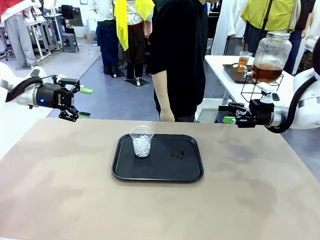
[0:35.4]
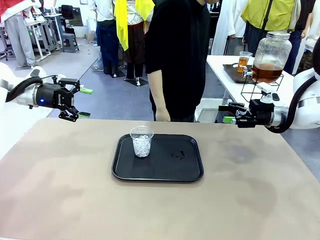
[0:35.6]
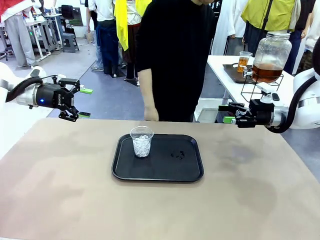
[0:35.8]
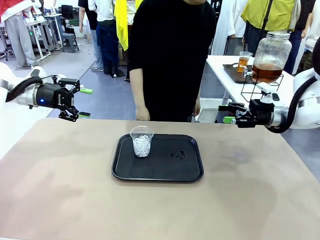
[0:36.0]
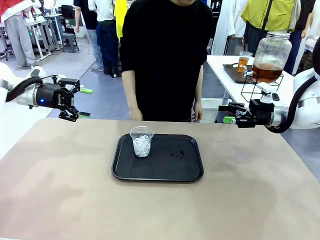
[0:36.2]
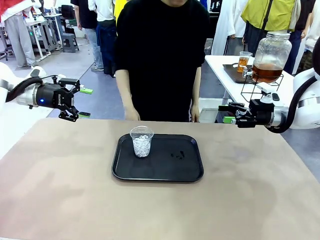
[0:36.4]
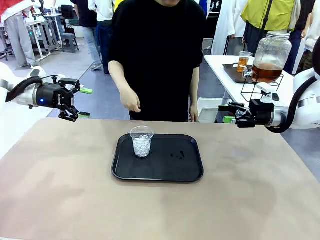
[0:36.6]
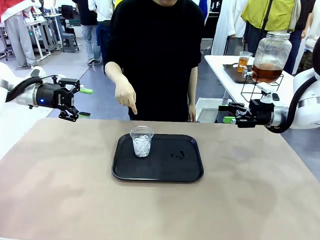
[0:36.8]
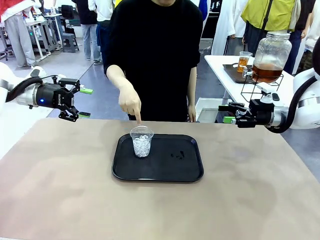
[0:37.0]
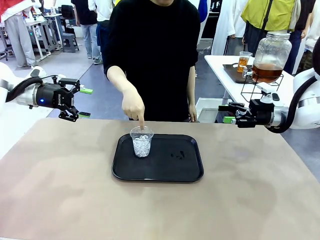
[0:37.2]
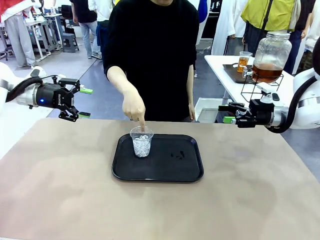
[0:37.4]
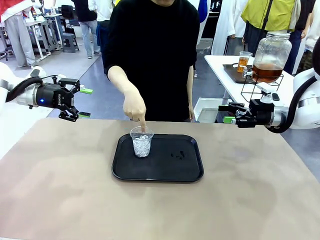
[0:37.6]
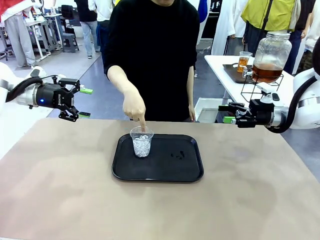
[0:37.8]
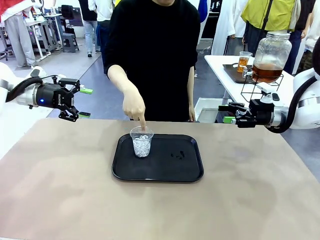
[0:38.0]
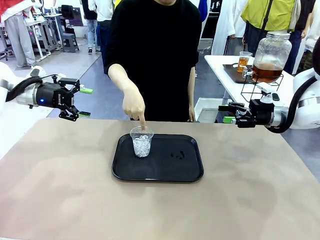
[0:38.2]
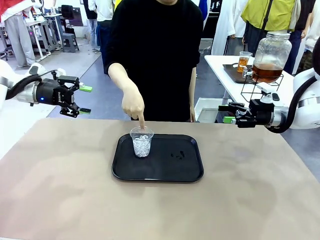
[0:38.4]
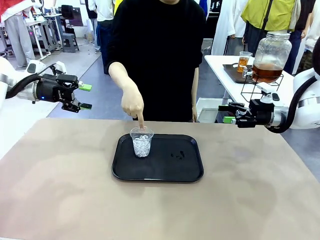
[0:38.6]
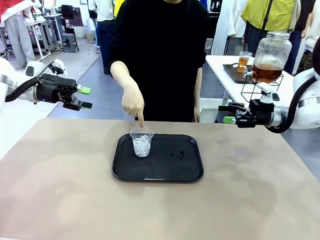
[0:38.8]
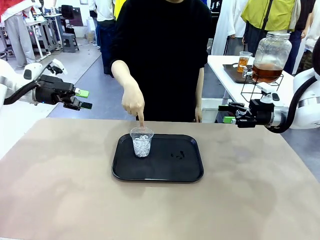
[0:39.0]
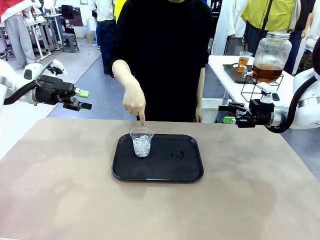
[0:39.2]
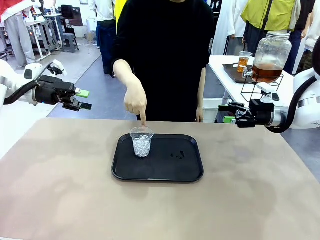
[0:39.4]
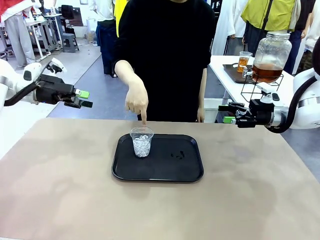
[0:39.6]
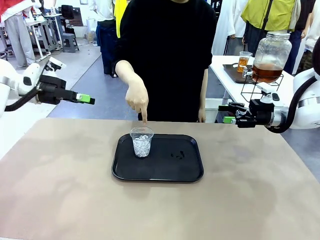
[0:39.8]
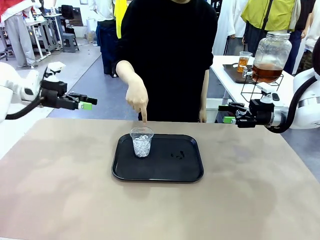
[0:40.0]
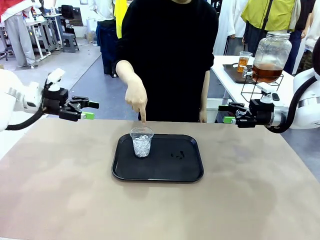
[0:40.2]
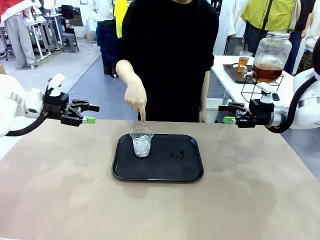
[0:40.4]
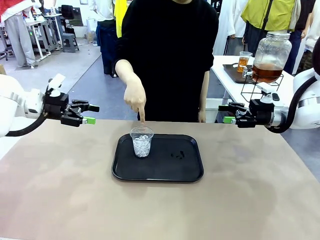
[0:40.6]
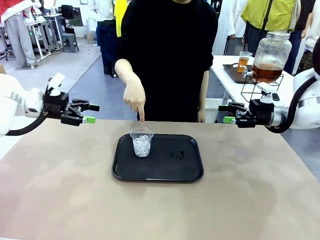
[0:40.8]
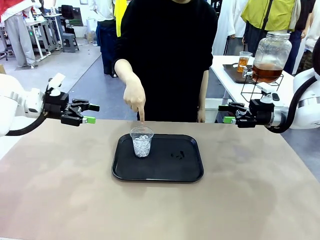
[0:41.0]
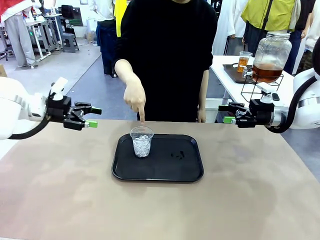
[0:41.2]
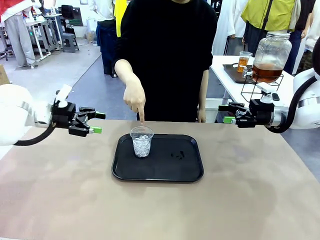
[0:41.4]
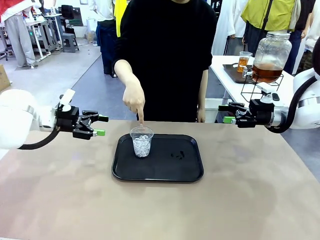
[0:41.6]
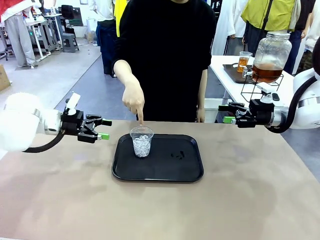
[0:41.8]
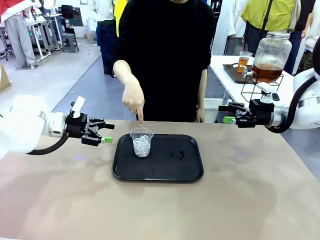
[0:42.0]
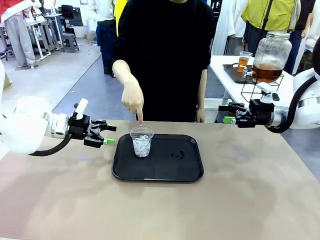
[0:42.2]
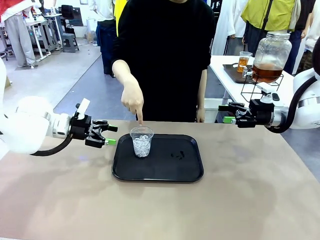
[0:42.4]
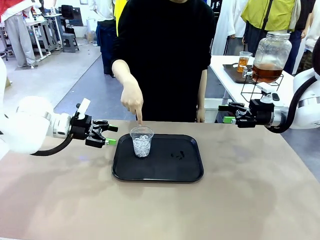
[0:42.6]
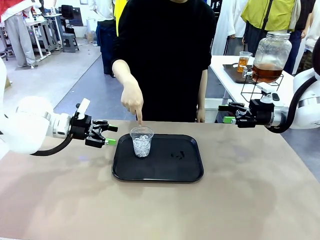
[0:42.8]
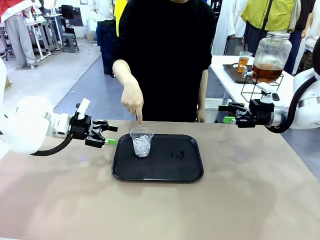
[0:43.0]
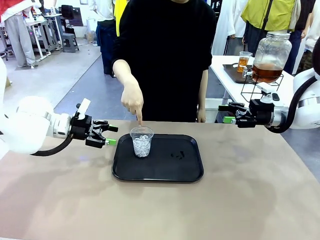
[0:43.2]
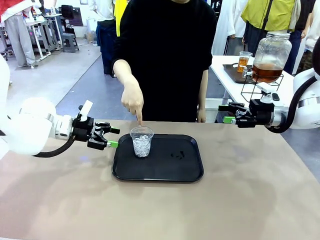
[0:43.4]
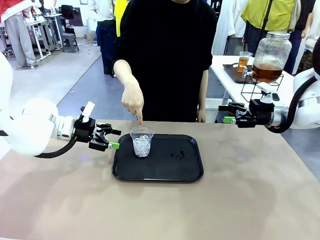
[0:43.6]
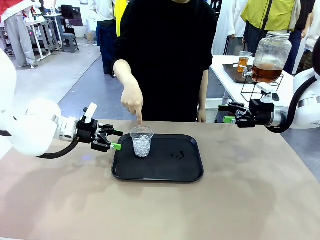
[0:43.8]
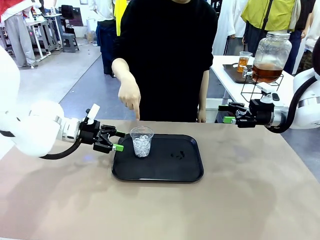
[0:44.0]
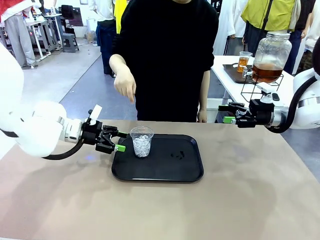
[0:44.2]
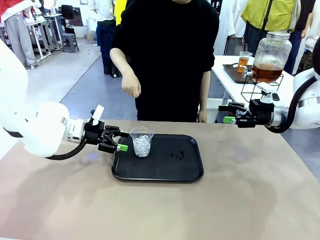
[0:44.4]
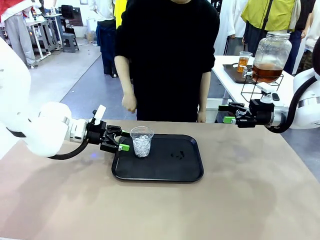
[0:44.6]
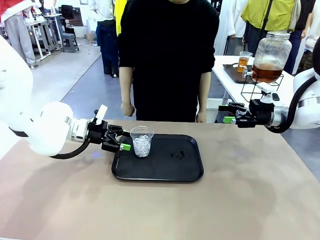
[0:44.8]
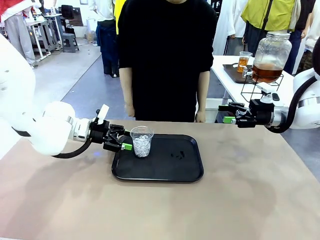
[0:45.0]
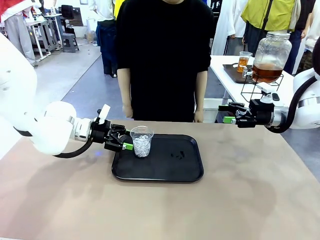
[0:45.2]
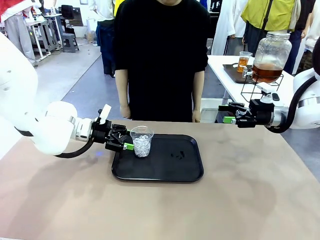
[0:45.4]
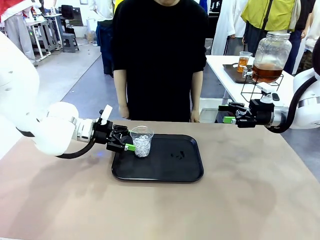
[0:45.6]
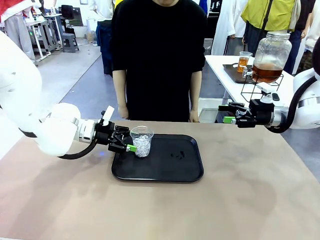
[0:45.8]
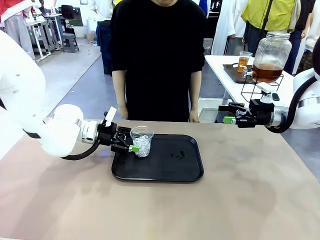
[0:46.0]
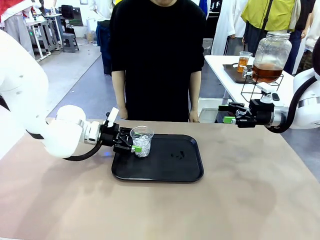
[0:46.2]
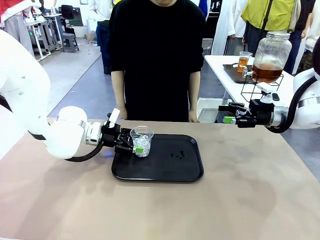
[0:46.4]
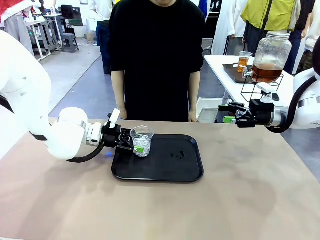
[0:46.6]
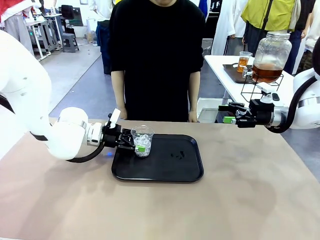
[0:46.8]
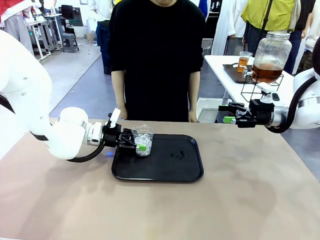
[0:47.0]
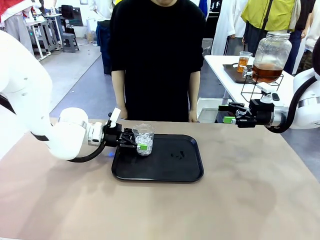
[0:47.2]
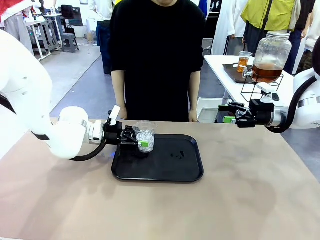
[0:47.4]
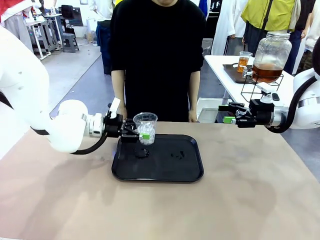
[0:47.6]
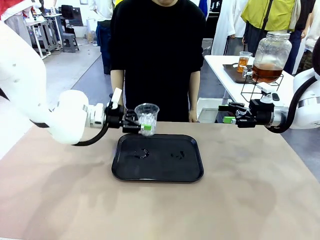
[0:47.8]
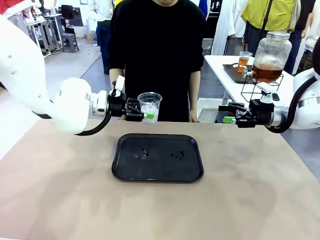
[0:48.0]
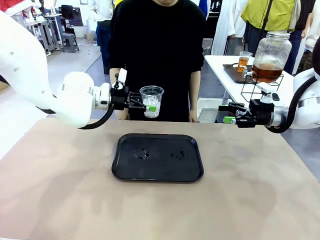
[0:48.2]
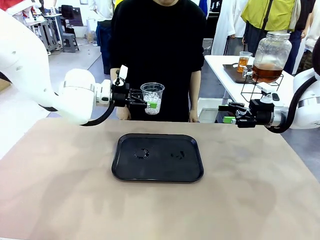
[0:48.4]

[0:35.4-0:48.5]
Task: Pour the drink into the iced cup.
Robot: Pick up the iced cup indicated by the human and present it to them.
Person: Point to the remaining ice cup on the robot table. Pick up the cup offered by the robot.

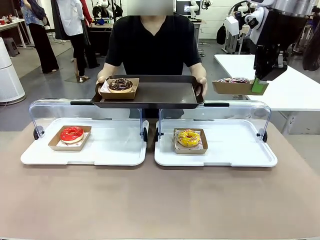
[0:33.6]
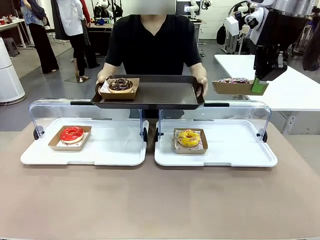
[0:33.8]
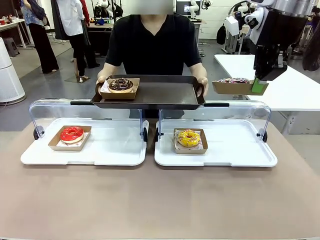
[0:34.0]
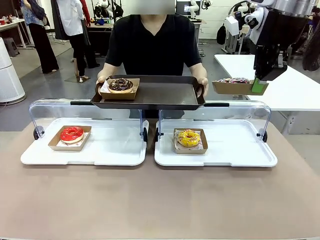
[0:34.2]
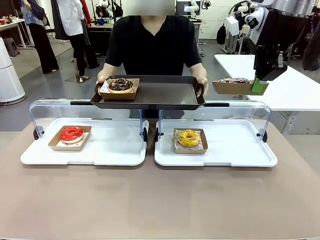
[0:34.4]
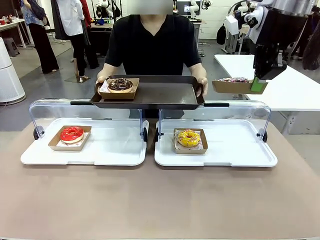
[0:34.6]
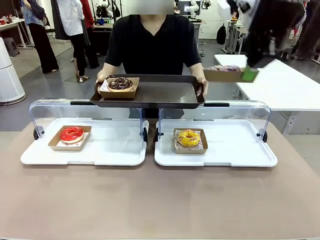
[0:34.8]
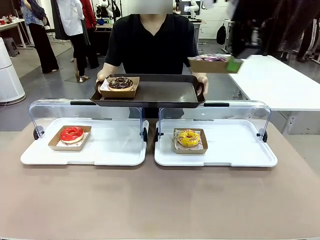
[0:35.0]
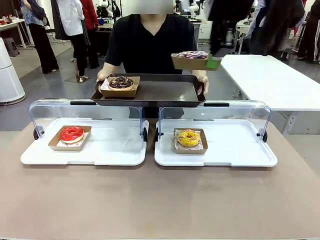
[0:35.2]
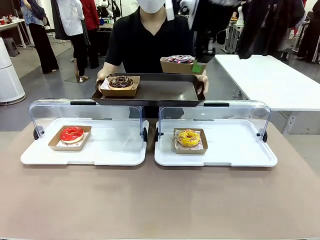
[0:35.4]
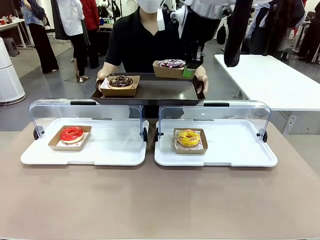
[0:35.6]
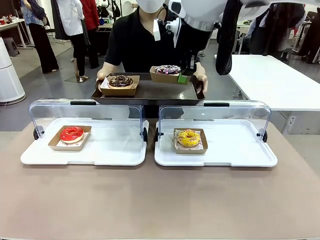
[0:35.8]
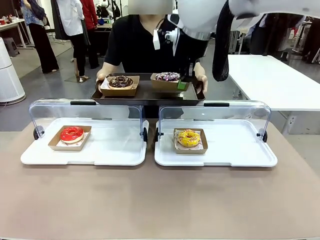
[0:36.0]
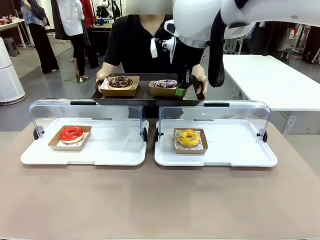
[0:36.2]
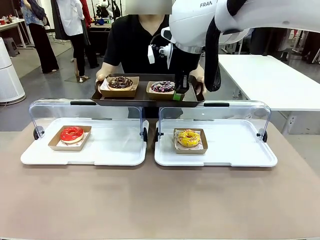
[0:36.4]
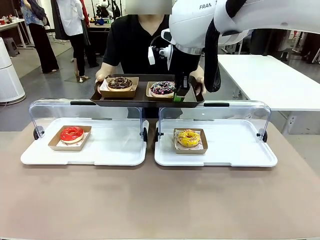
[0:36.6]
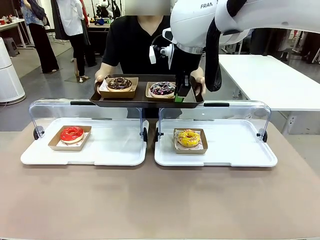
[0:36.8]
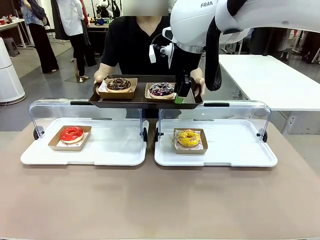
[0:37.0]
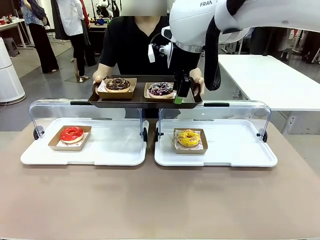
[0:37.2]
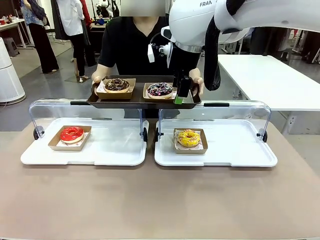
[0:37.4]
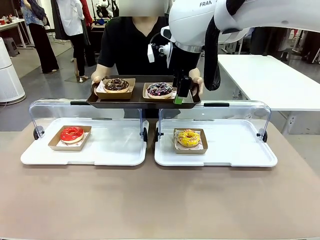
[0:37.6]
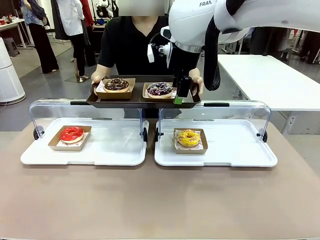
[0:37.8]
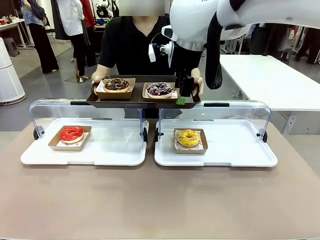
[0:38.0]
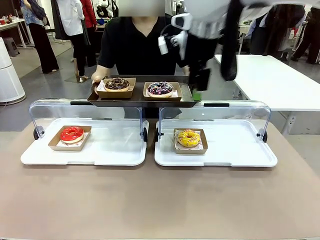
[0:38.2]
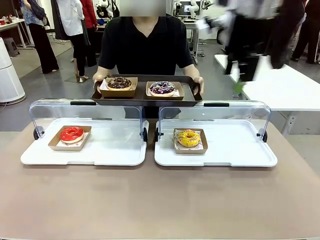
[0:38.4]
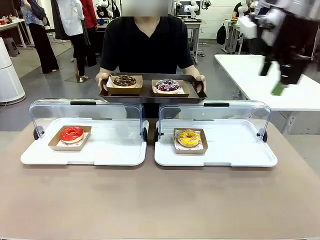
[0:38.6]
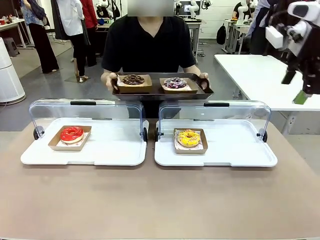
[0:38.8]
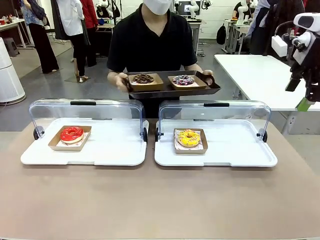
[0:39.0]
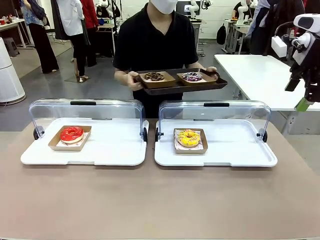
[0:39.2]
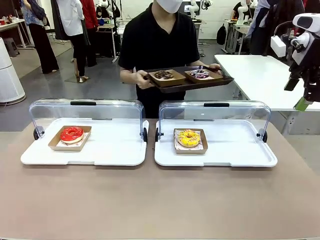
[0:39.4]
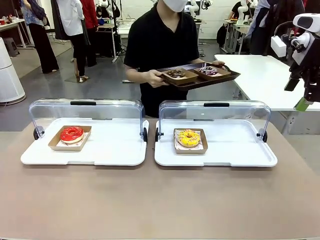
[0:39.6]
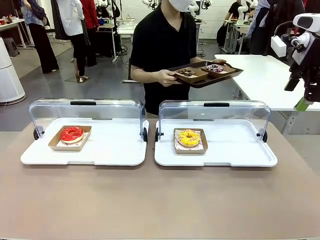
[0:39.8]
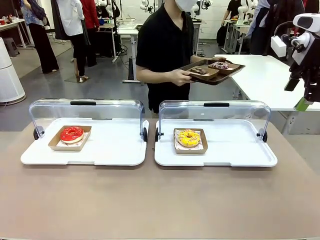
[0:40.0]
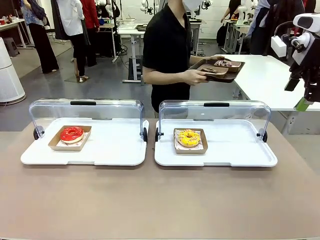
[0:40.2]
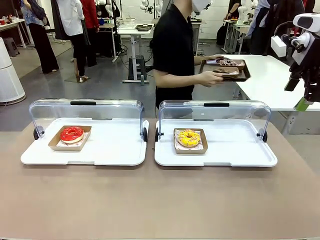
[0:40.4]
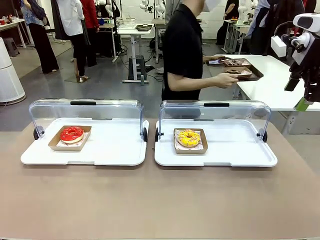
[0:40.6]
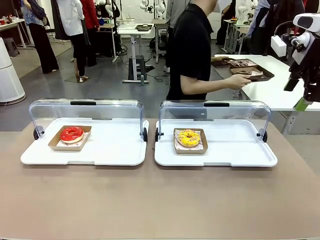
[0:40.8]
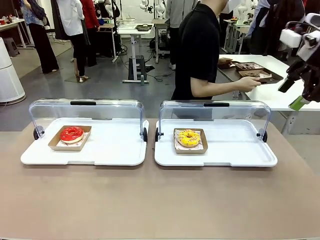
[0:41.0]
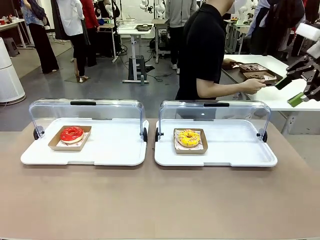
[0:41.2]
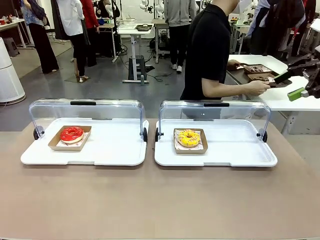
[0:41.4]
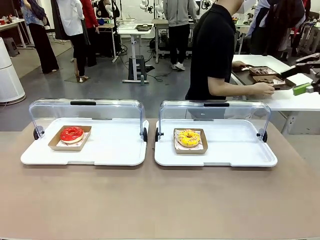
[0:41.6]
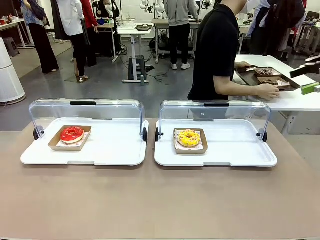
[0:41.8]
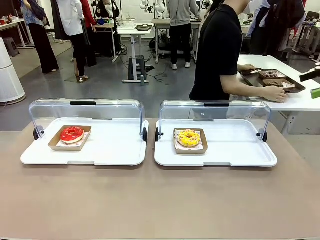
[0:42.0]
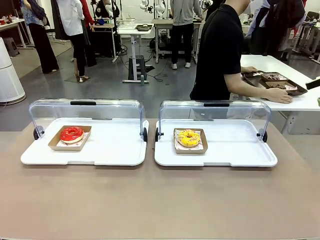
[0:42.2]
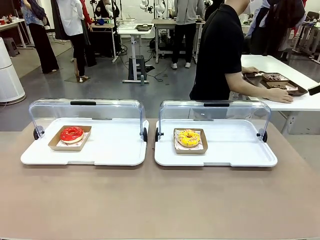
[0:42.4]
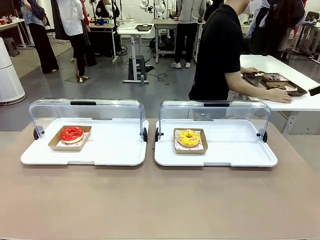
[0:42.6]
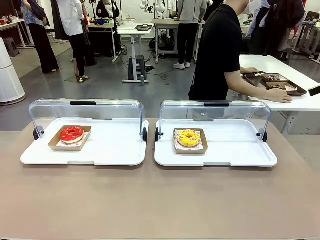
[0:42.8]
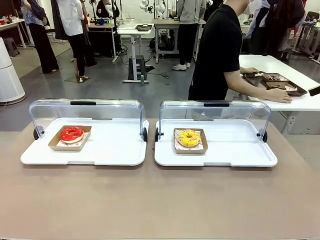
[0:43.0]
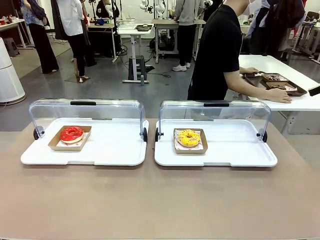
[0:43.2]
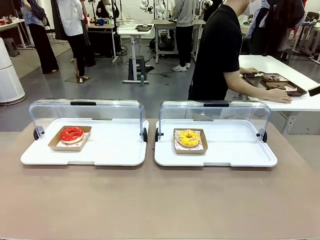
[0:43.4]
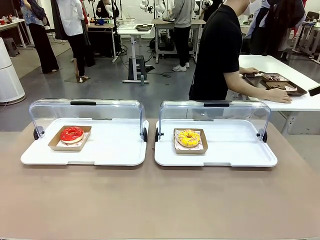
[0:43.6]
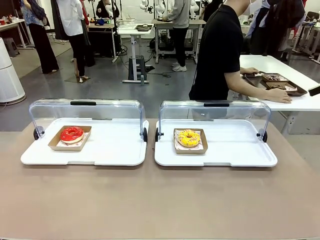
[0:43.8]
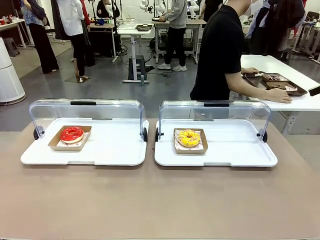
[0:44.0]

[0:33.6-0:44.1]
Task: Provide the desired donut to the person.
Robot: Place the picked Paper togo box onto the Handle tray extended by the person.
Person: Place the tray in the middle of the human table.
